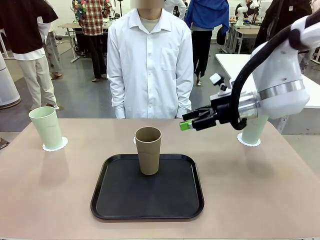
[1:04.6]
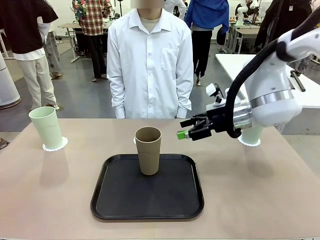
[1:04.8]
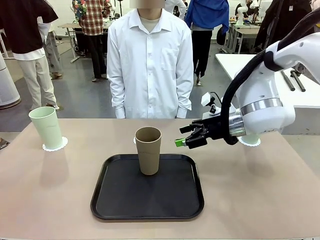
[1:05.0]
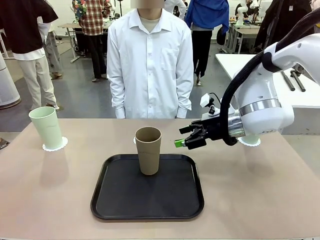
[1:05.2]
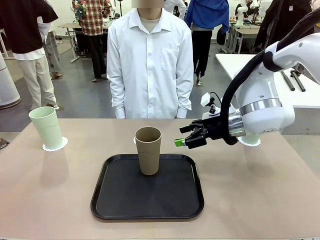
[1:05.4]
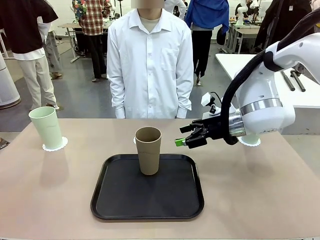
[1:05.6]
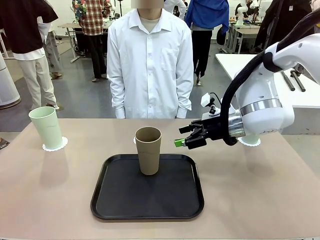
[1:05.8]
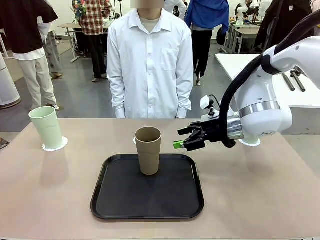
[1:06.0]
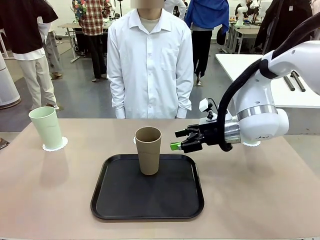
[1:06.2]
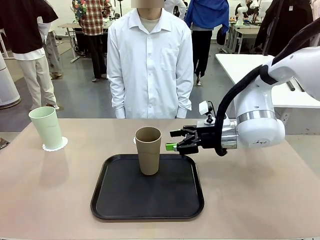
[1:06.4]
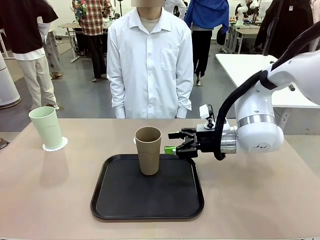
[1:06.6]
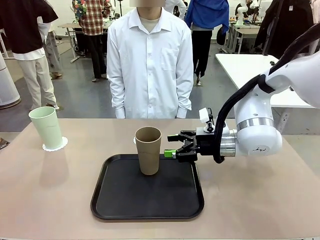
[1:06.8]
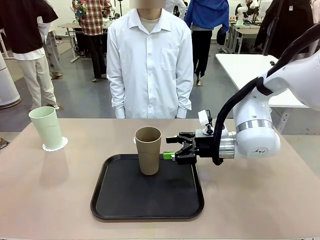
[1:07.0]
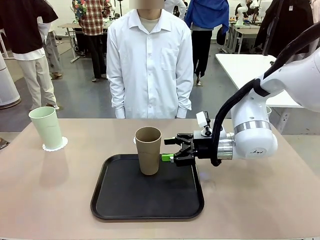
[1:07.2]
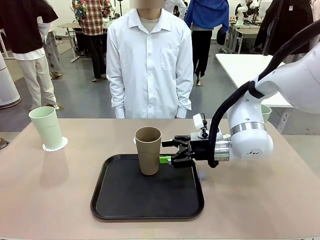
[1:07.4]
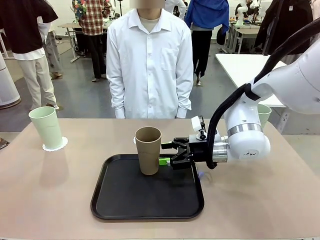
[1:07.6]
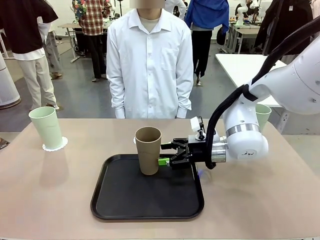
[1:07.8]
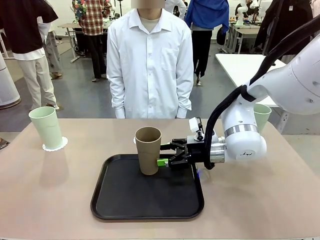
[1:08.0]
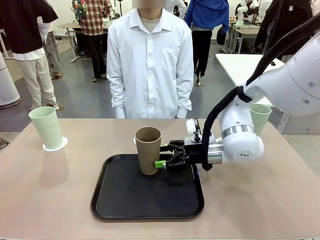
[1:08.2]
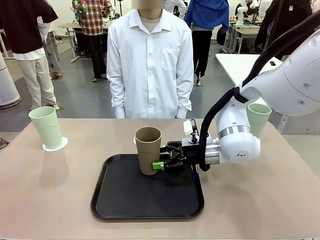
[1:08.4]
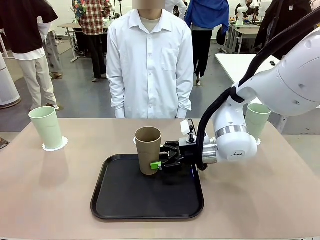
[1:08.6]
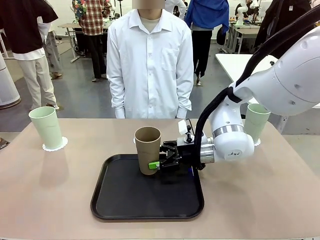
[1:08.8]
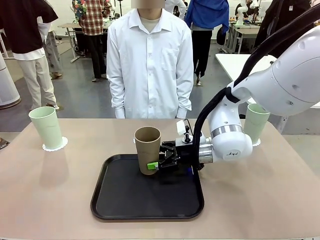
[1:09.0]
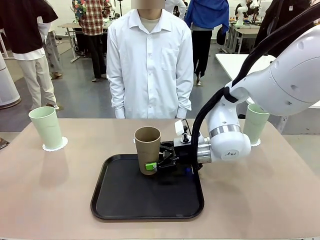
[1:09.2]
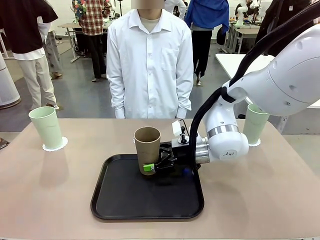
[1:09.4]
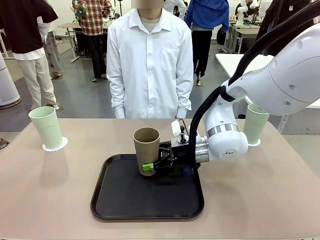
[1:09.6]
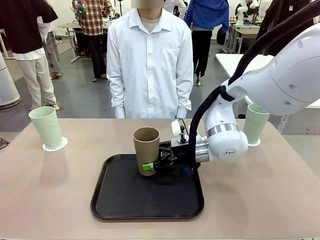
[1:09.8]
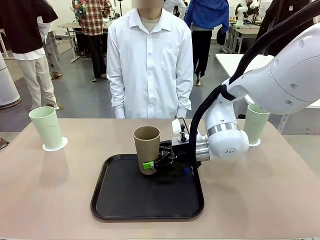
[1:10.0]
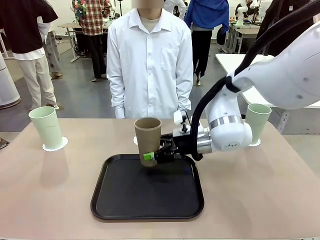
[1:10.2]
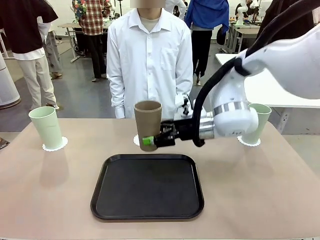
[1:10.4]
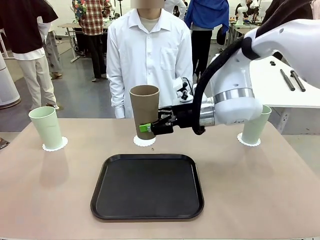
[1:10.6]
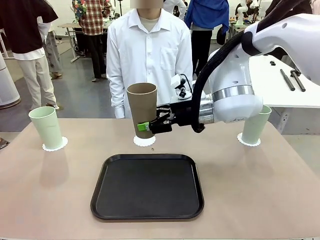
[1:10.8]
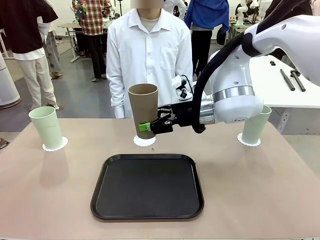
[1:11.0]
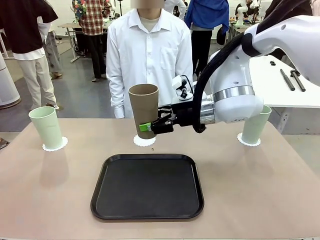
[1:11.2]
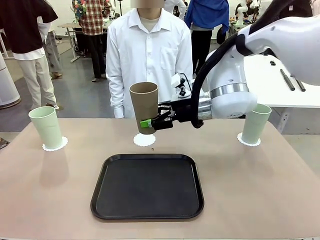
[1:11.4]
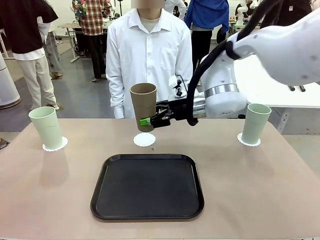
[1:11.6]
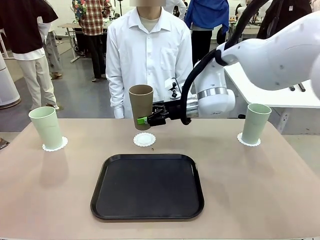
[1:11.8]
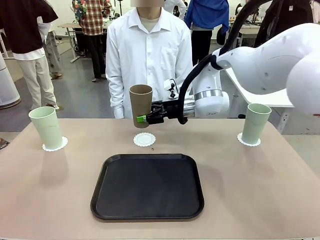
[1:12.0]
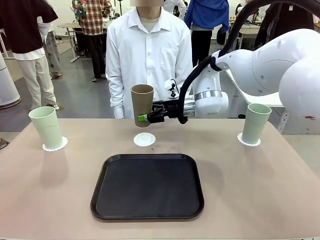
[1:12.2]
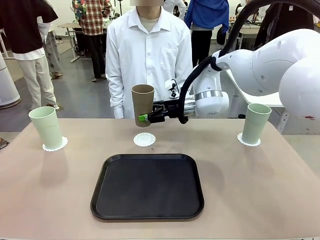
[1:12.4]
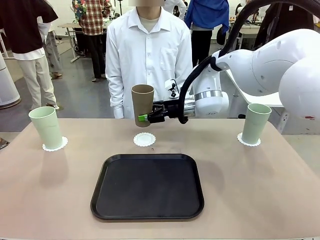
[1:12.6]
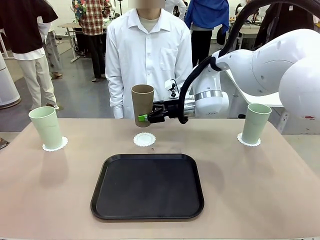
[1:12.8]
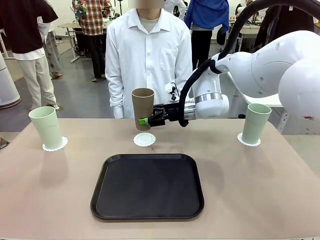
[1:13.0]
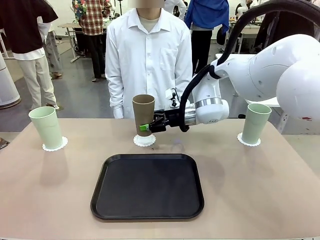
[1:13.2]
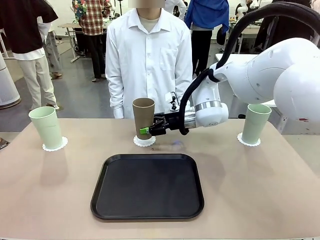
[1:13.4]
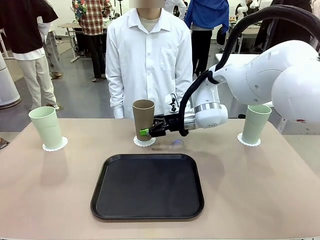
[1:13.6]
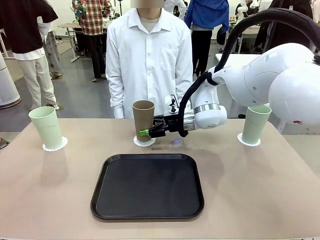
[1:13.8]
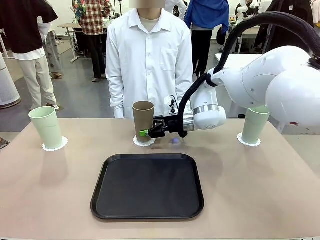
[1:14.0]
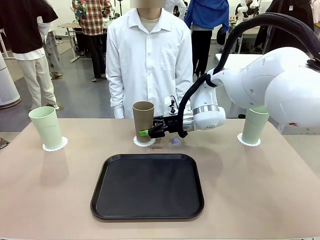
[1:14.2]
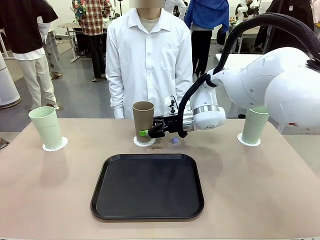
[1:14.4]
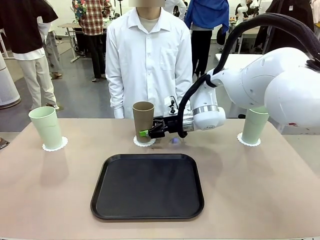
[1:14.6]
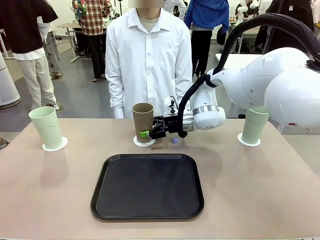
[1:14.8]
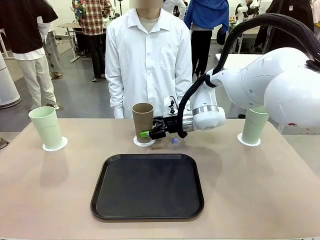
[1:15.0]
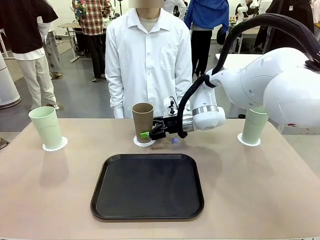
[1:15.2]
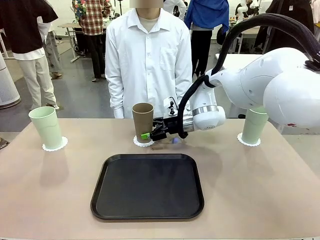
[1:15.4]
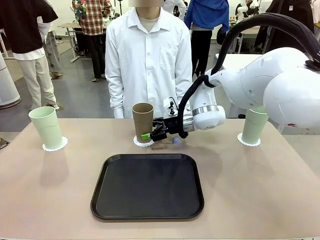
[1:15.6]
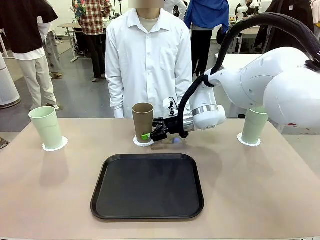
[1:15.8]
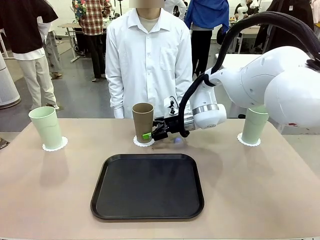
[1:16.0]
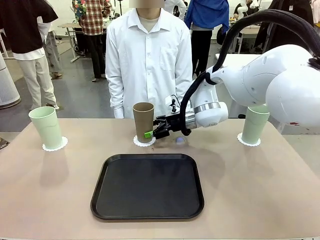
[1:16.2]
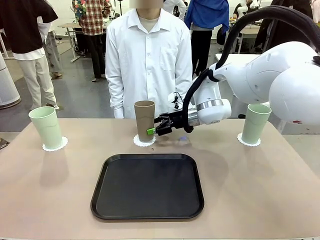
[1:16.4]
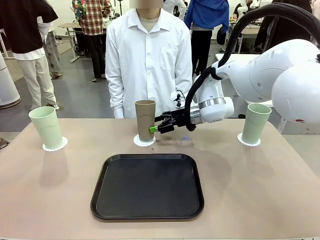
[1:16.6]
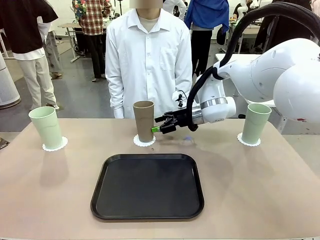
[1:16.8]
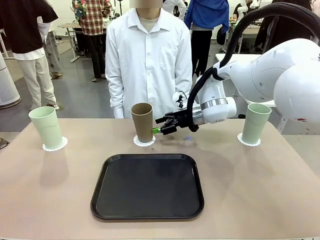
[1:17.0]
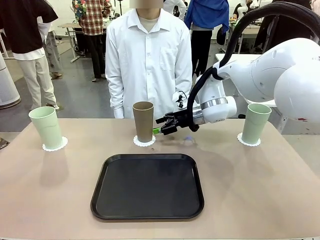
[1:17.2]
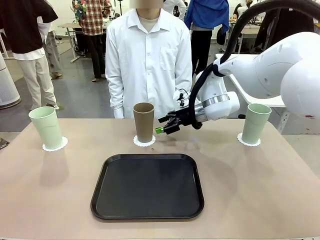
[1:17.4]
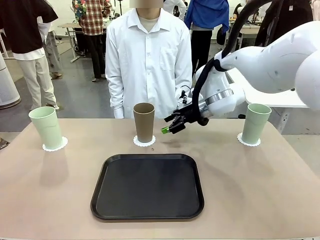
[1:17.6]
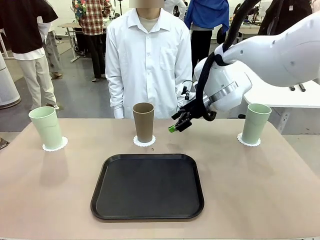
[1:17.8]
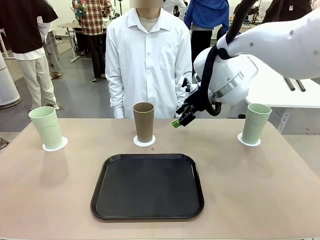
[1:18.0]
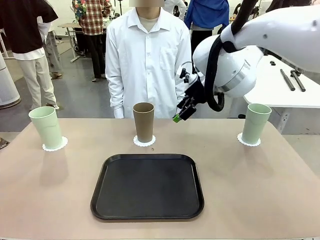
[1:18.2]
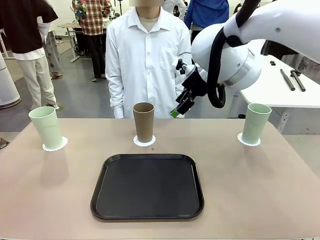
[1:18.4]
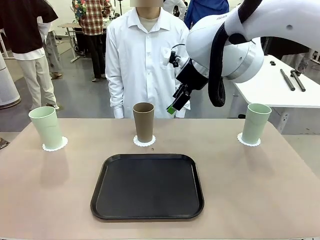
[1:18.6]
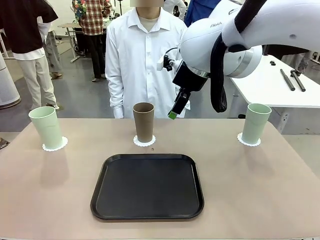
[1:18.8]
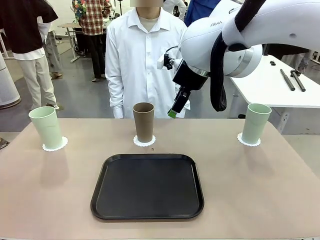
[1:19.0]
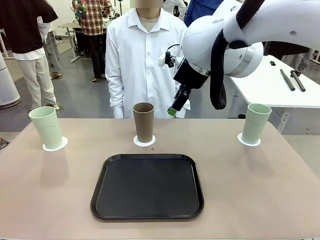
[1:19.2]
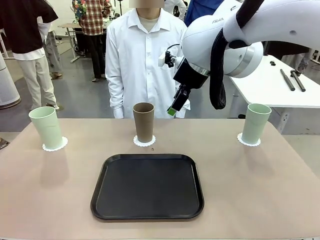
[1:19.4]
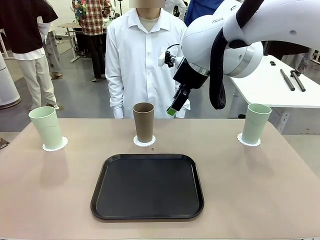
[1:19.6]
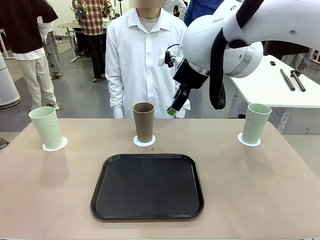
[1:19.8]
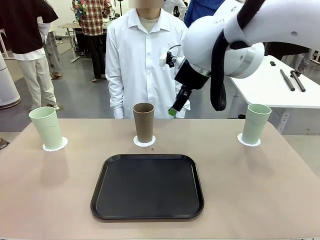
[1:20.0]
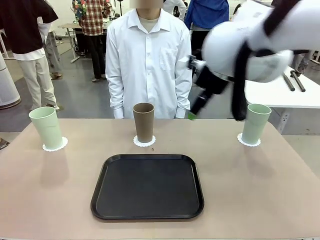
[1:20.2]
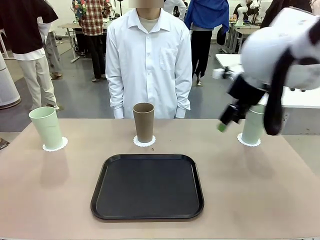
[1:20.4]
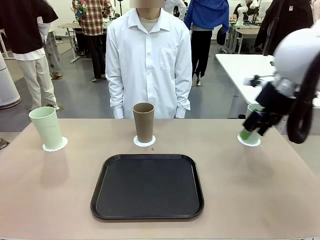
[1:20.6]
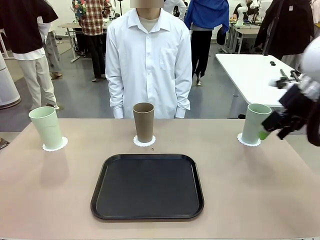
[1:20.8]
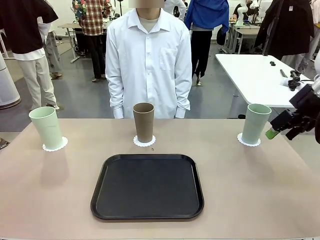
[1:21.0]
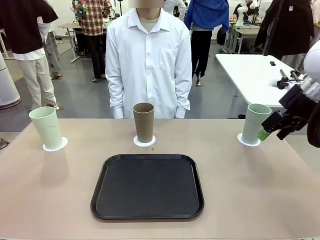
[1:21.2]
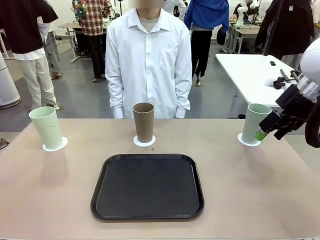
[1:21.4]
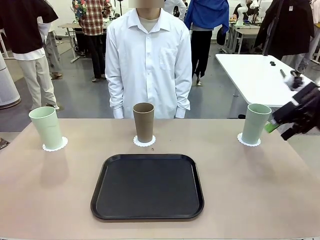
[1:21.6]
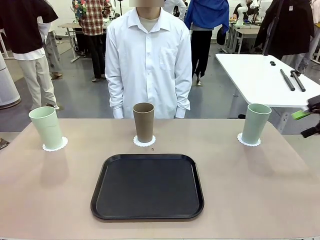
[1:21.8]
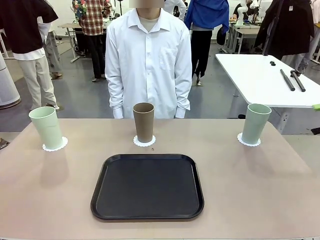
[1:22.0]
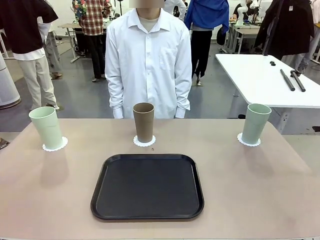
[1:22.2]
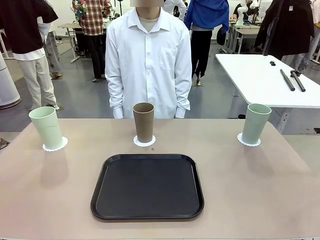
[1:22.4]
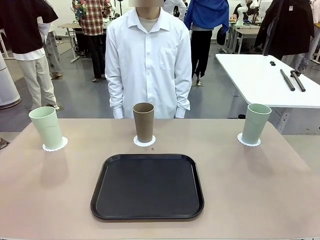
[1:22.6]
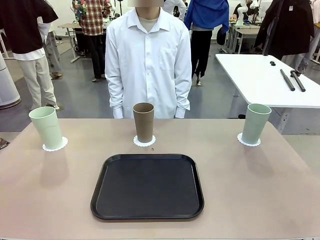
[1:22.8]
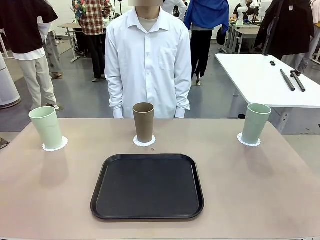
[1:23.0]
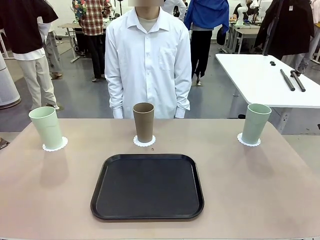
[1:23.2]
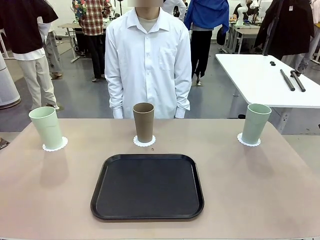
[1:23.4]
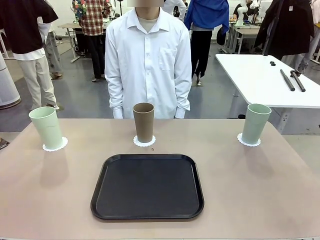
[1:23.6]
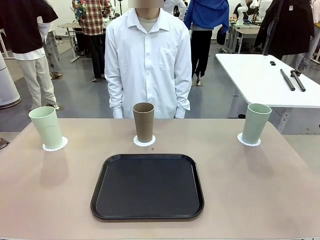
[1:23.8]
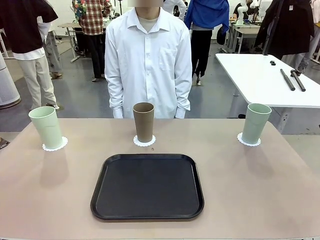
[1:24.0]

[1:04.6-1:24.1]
Task: Place coasters on the table and set cups on them.
Robot: Take one Reusable plastic cup from the Flat Tray and place it on a coaster set by the human.
